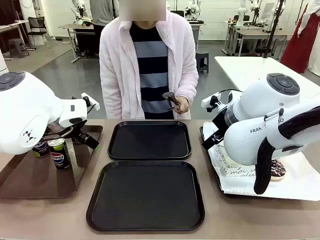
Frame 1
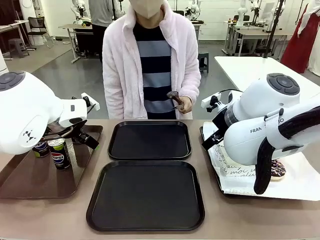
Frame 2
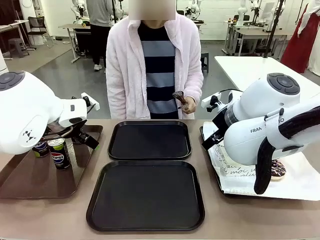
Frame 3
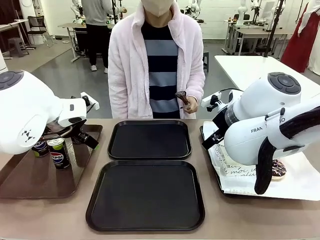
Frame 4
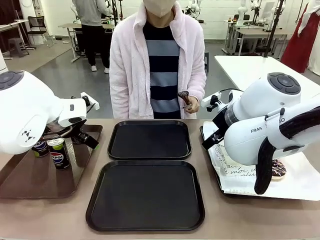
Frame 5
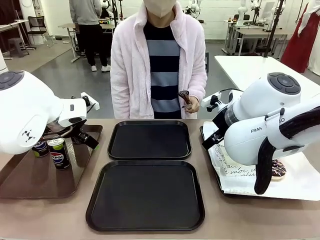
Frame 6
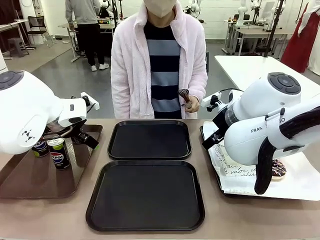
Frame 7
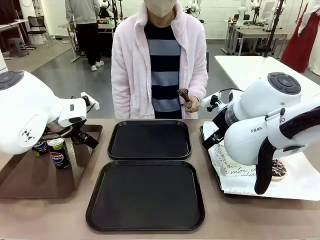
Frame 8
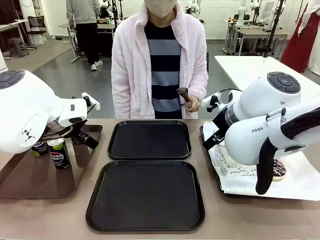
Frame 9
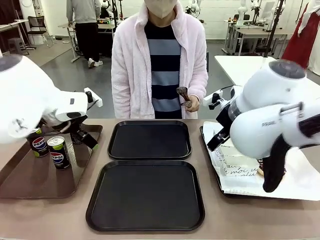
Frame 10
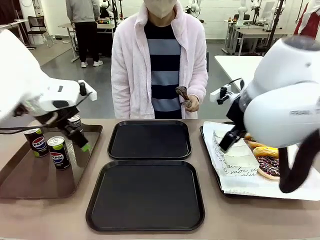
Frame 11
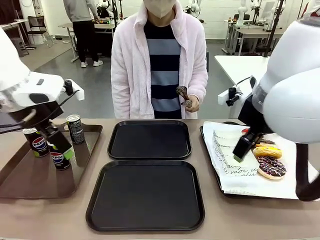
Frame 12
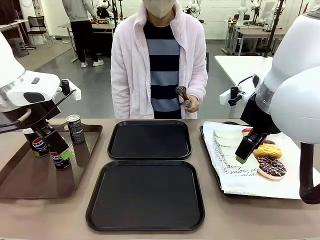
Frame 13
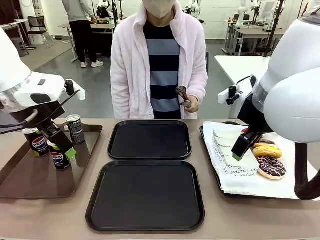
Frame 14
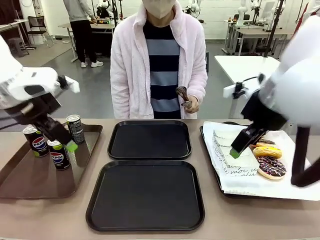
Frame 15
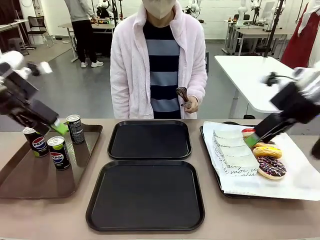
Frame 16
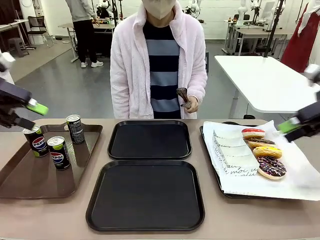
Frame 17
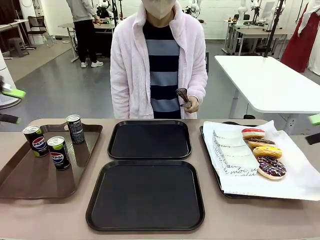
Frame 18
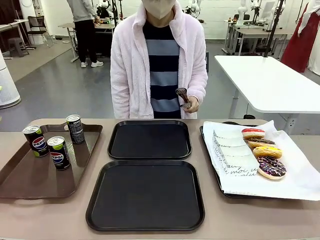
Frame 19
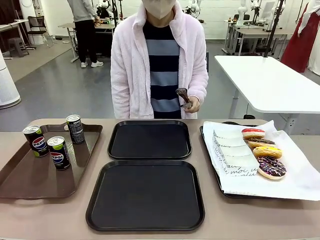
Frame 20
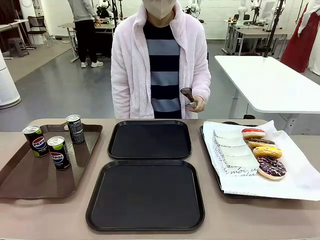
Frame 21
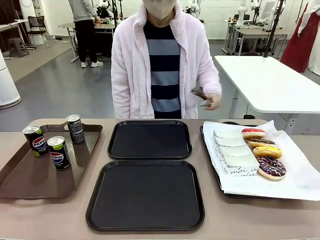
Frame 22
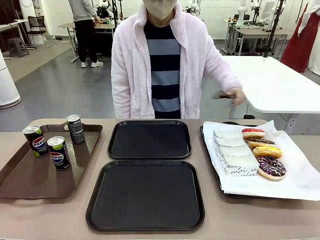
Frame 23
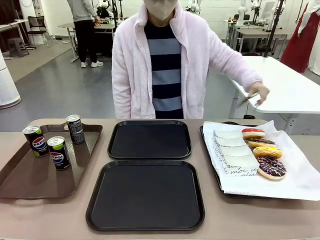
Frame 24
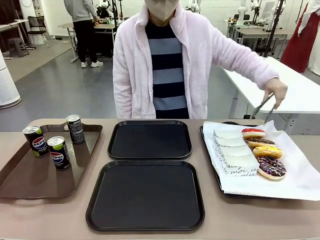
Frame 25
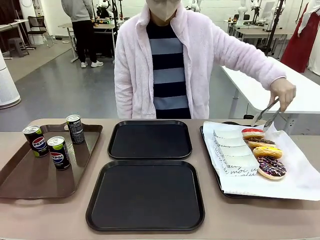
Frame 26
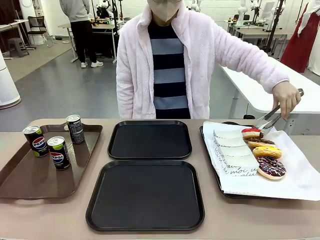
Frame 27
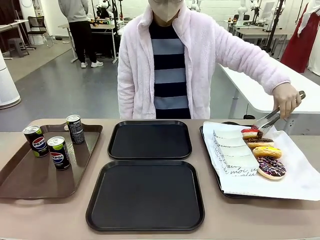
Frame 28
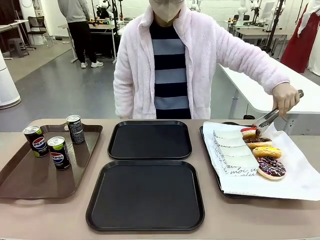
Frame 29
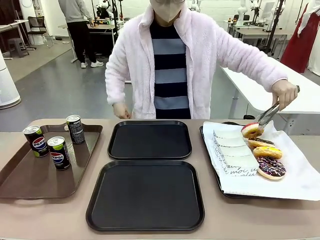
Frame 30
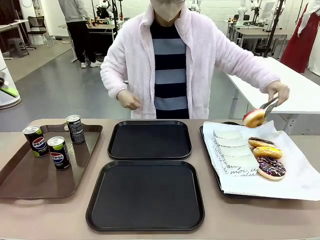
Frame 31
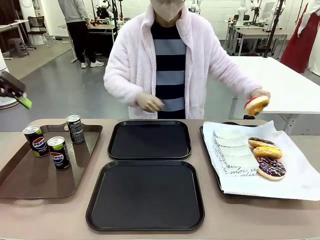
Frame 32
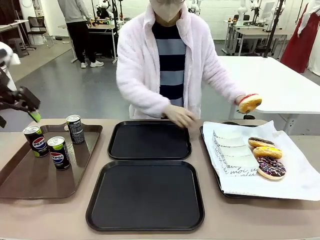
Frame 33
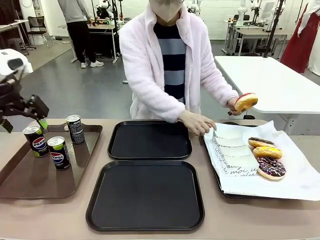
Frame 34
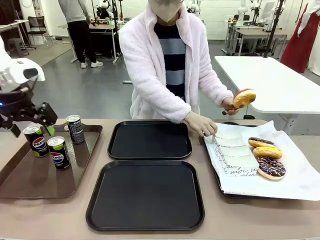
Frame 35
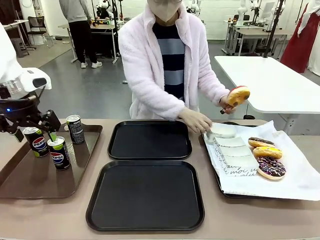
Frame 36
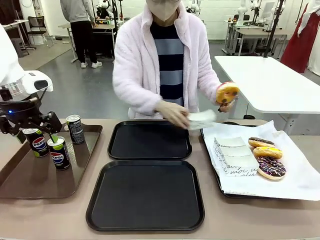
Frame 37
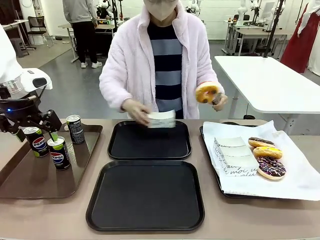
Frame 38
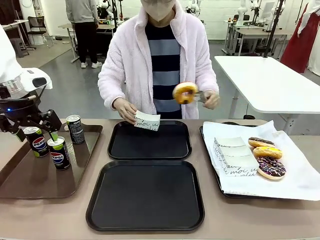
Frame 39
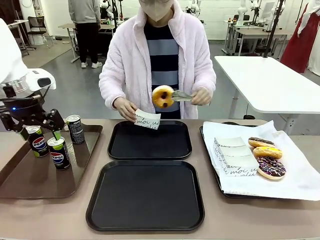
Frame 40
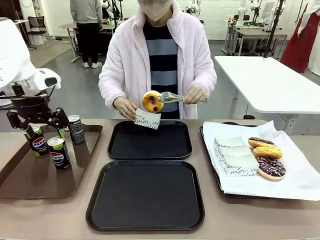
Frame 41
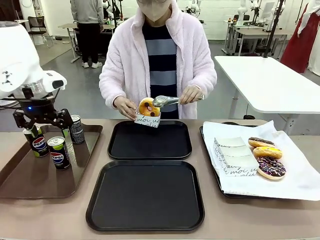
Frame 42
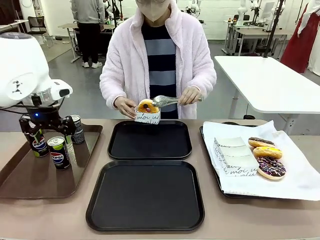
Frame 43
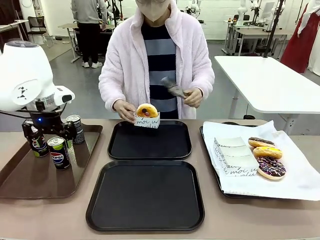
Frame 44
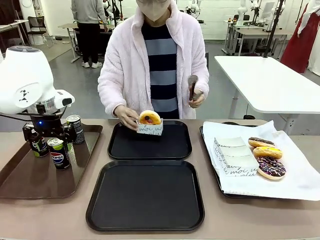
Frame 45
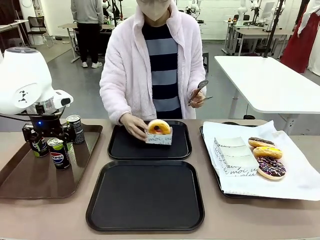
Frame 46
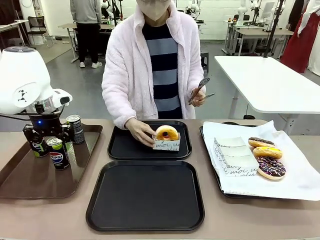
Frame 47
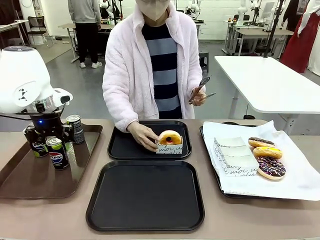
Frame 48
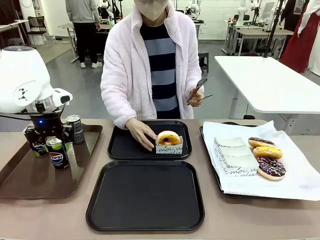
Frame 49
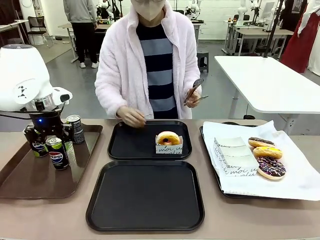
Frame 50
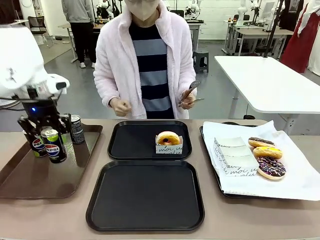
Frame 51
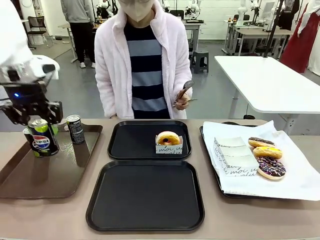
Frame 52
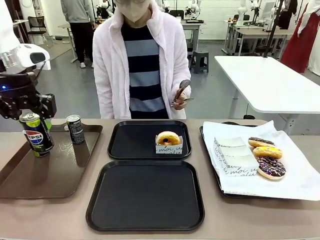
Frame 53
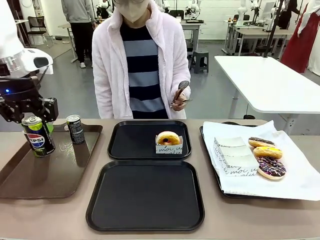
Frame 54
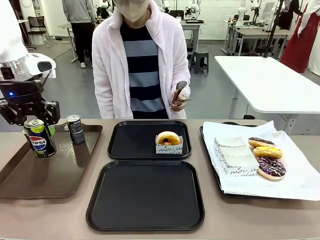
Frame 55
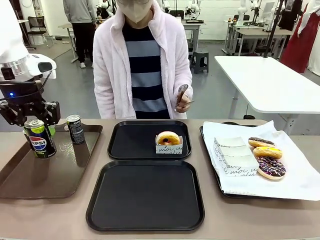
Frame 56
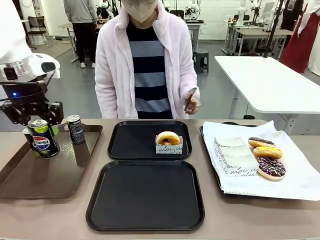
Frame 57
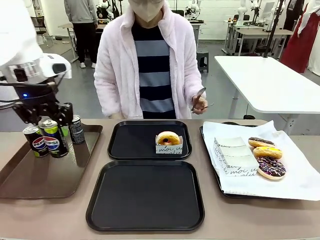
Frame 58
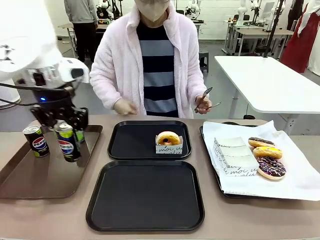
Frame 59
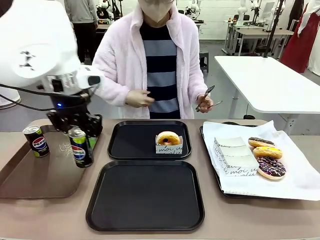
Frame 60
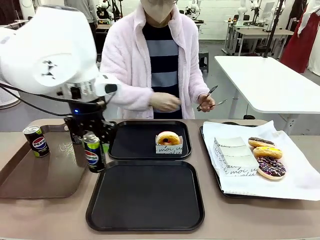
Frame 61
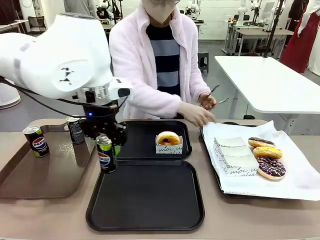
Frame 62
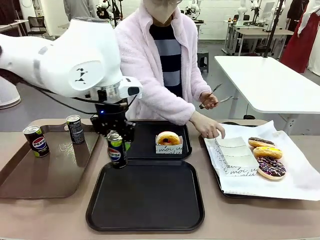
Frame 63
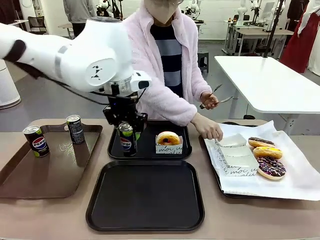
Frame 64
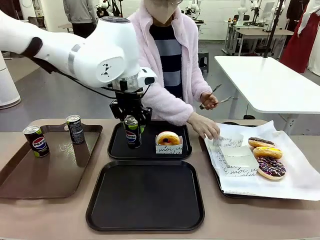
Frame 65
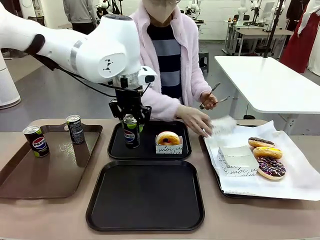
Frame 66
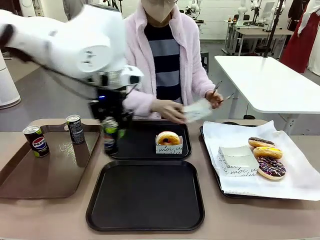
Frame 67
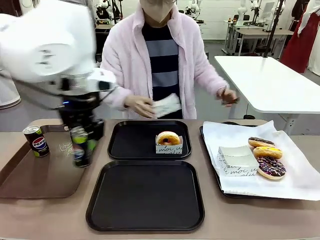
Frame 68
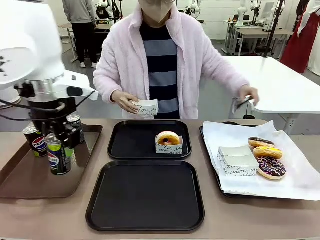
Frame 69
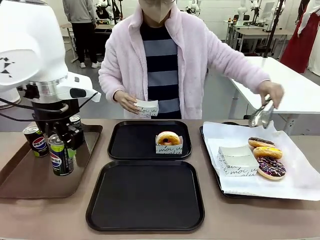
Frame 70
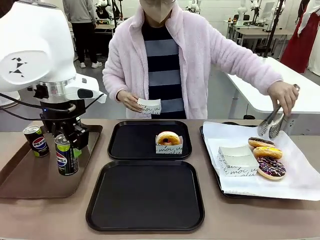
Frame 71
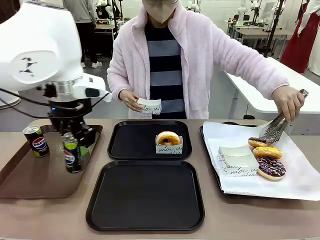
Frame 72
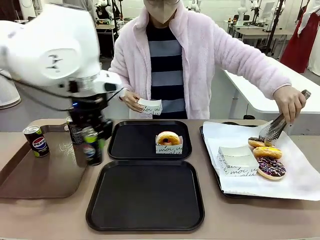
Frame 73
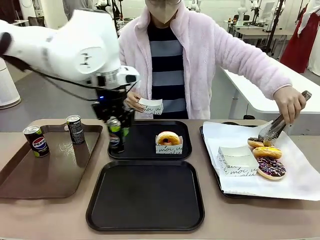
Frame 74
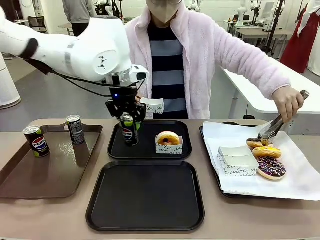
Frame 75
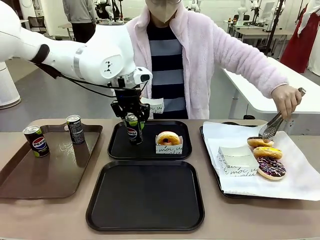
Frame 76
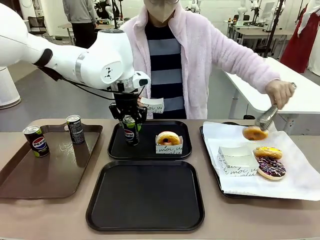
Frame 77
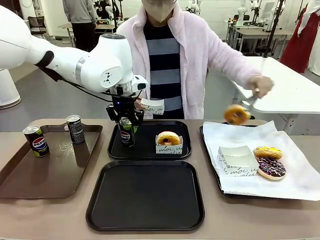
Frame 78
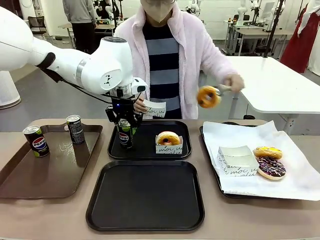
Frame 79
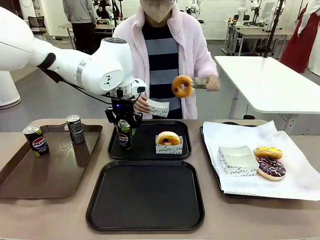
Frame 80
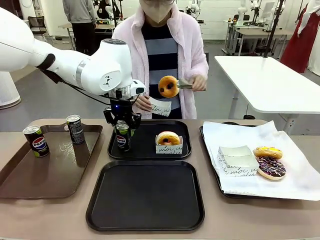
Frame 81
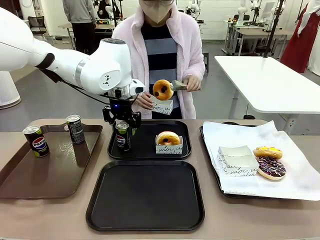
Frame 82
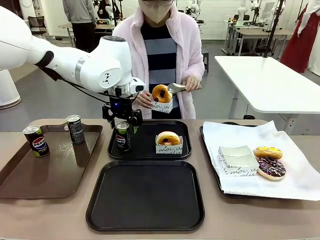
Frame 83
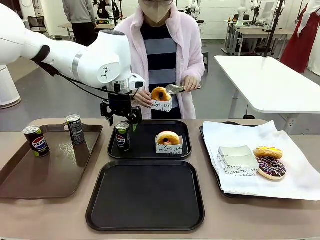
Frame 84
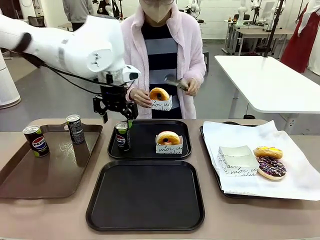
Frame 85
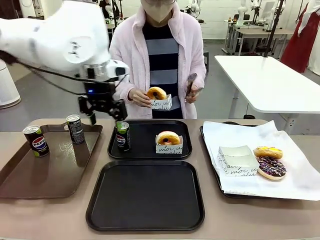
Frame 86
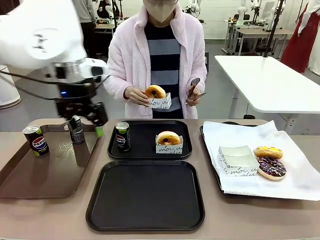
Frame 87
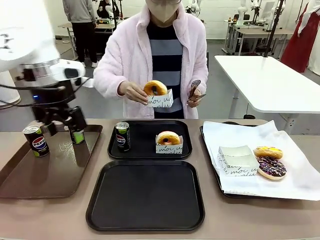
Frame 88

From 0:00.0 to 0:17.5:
Task: Set up donuts and drinks on trays.
Robot: Pick up one Pepsi coke and place it on the Flat Tray.
Person: Pick up one donut with tongs, place it in the donut tray, and then place the donut tray on the flat tray.
